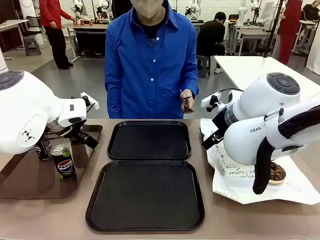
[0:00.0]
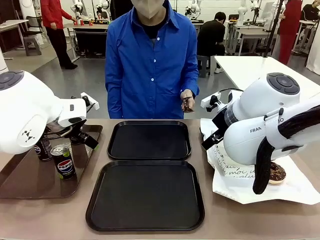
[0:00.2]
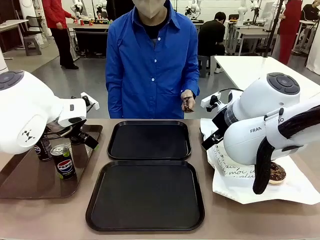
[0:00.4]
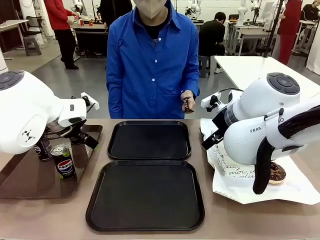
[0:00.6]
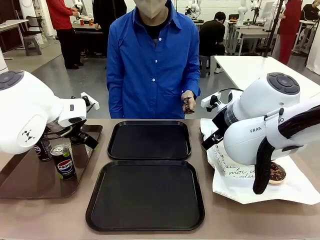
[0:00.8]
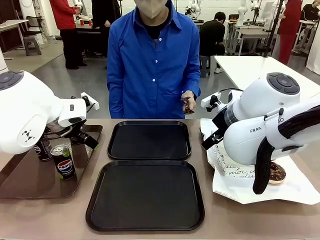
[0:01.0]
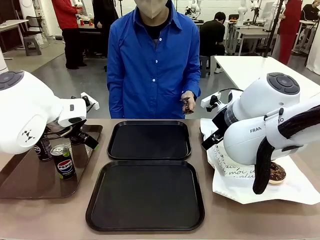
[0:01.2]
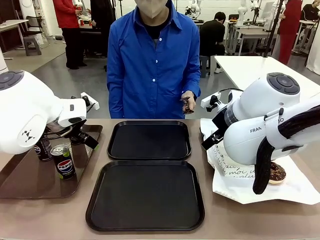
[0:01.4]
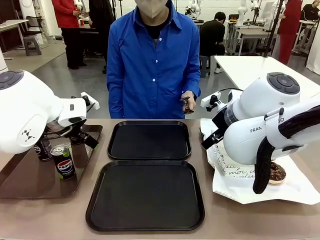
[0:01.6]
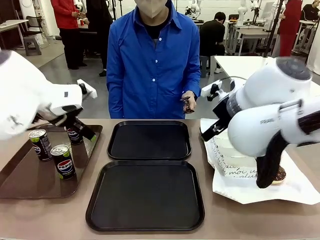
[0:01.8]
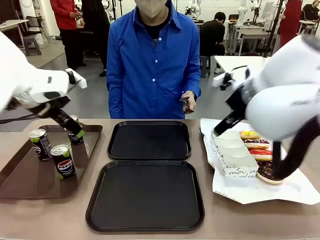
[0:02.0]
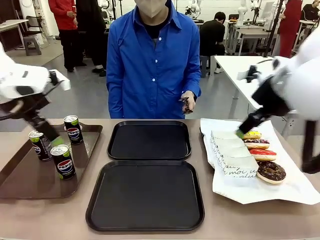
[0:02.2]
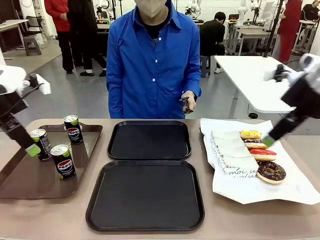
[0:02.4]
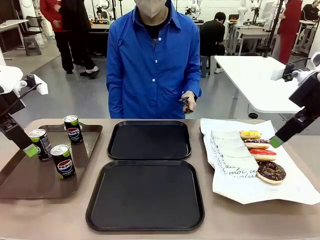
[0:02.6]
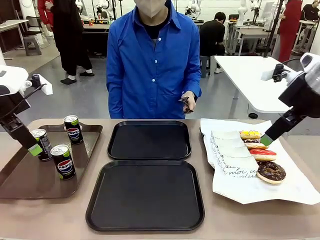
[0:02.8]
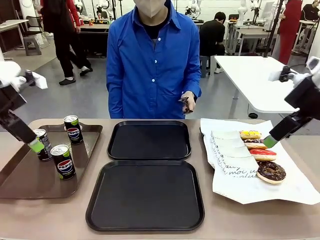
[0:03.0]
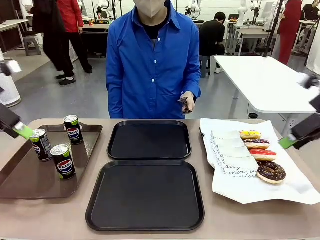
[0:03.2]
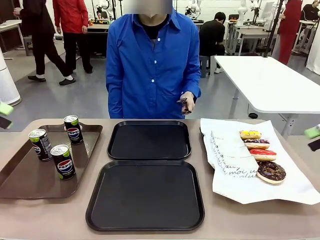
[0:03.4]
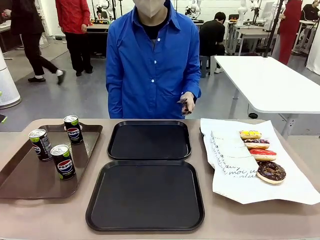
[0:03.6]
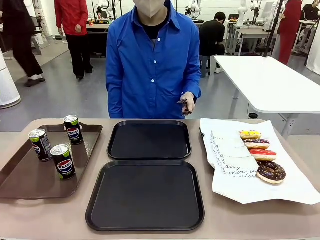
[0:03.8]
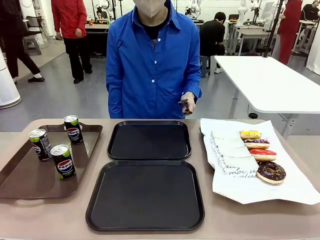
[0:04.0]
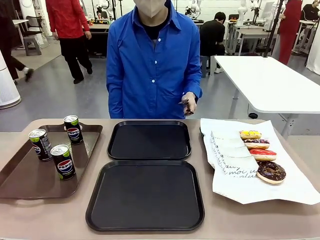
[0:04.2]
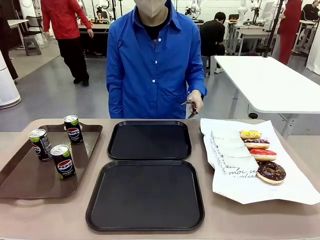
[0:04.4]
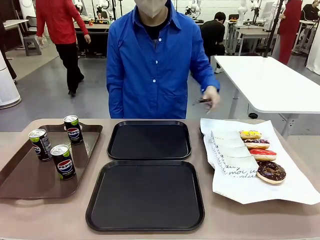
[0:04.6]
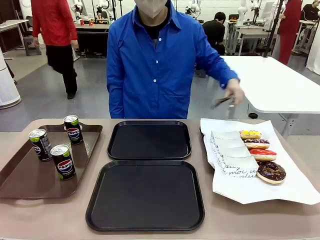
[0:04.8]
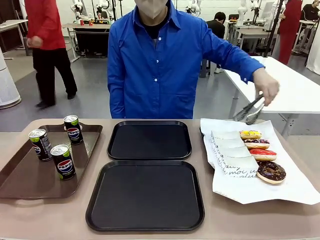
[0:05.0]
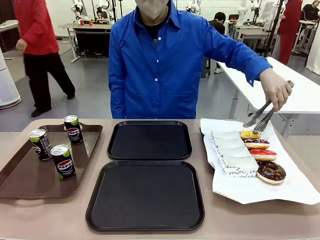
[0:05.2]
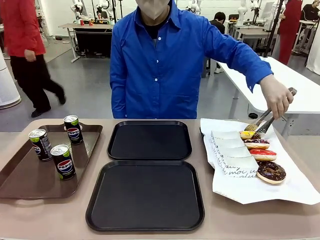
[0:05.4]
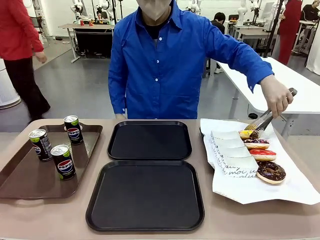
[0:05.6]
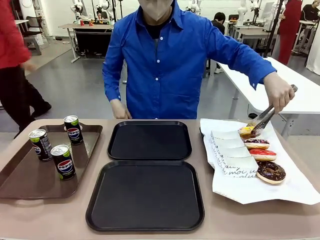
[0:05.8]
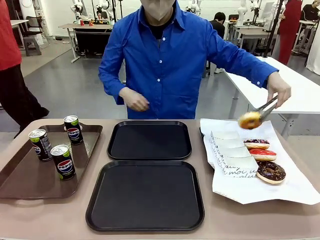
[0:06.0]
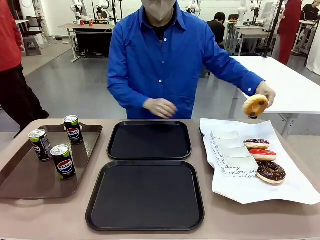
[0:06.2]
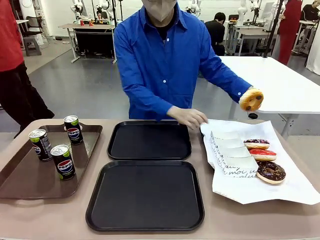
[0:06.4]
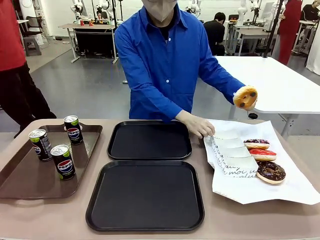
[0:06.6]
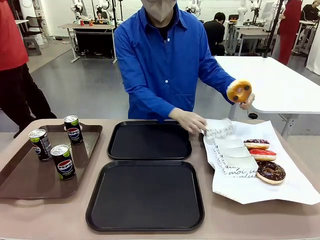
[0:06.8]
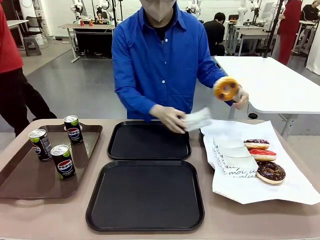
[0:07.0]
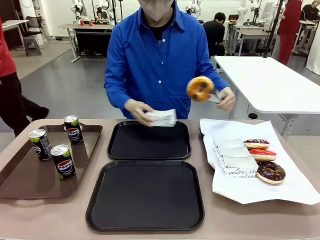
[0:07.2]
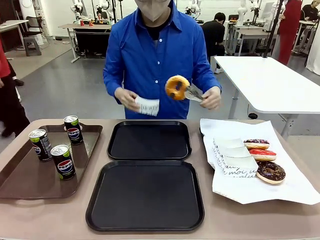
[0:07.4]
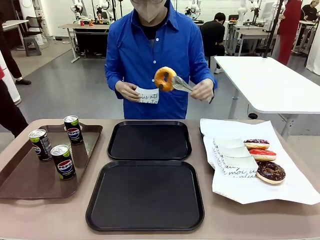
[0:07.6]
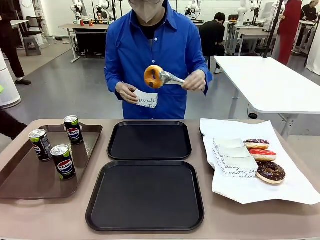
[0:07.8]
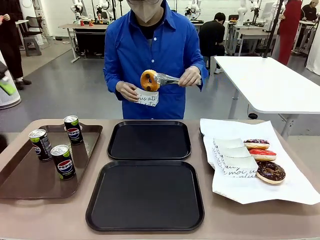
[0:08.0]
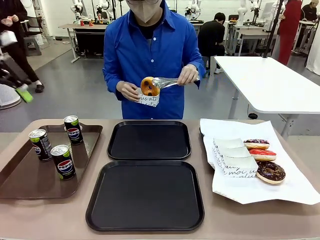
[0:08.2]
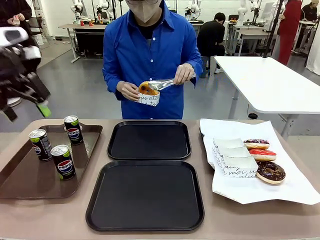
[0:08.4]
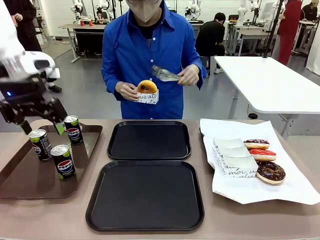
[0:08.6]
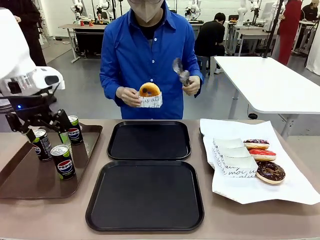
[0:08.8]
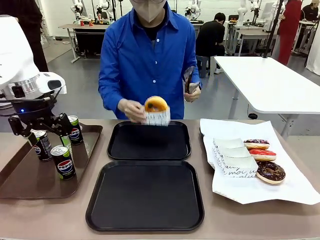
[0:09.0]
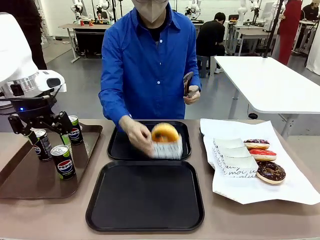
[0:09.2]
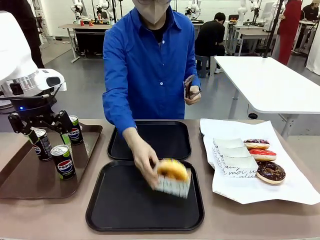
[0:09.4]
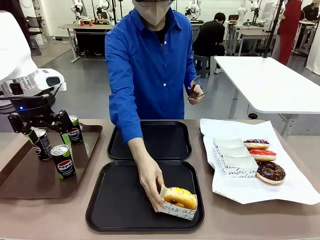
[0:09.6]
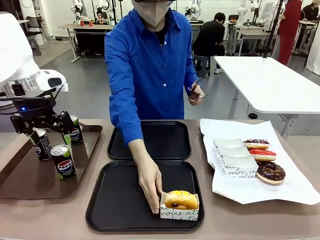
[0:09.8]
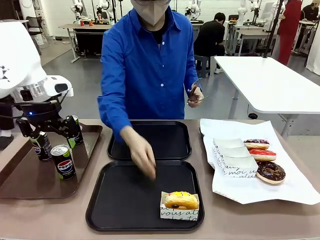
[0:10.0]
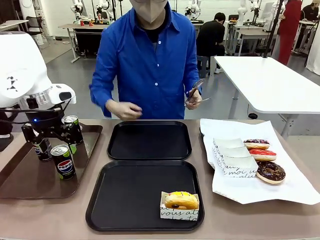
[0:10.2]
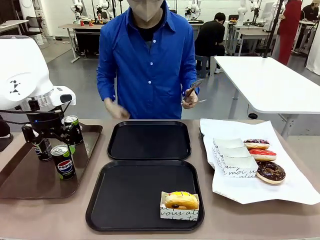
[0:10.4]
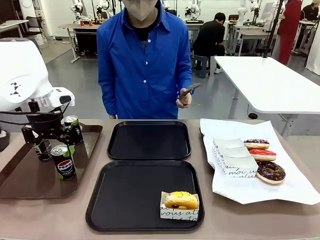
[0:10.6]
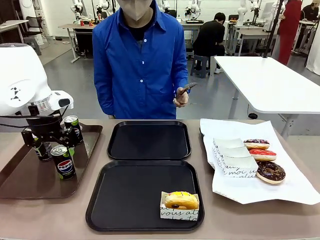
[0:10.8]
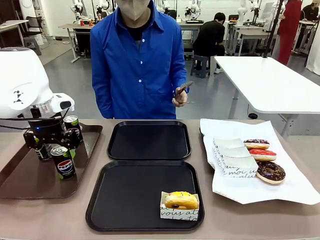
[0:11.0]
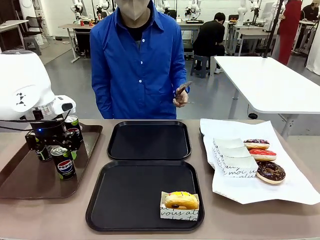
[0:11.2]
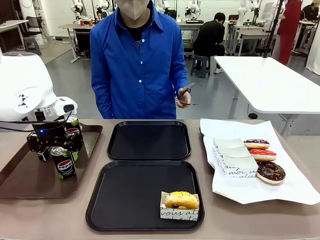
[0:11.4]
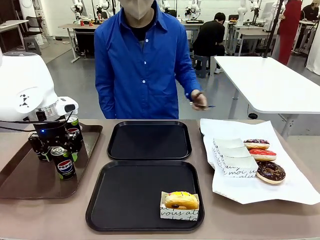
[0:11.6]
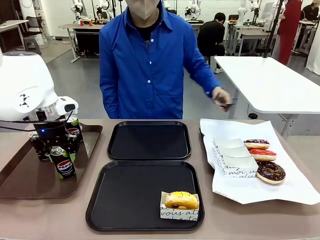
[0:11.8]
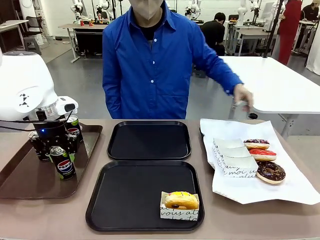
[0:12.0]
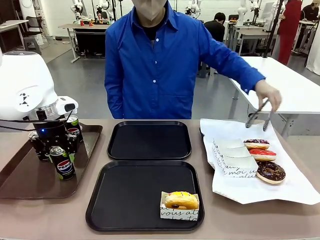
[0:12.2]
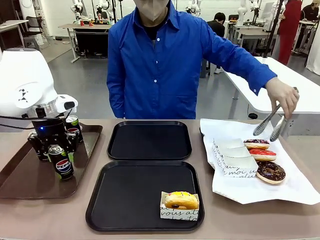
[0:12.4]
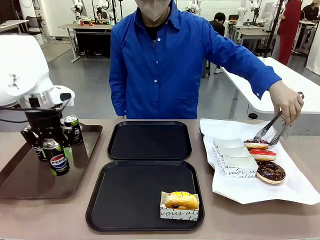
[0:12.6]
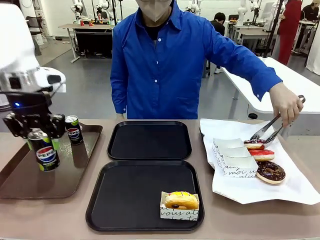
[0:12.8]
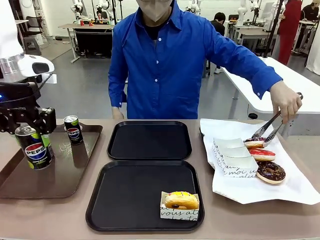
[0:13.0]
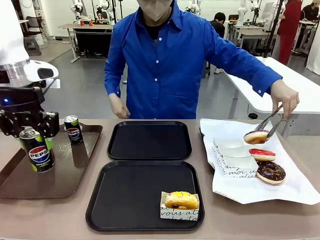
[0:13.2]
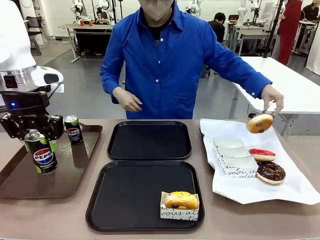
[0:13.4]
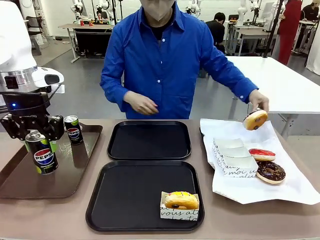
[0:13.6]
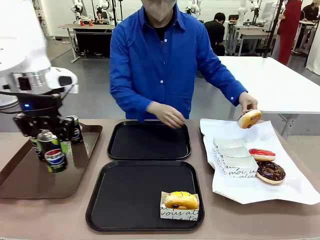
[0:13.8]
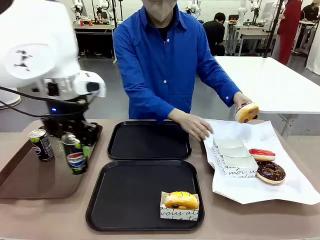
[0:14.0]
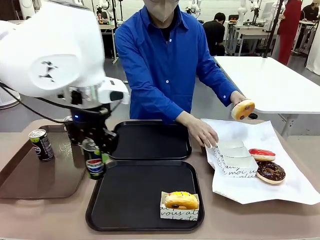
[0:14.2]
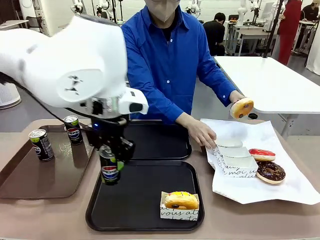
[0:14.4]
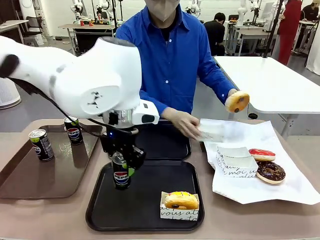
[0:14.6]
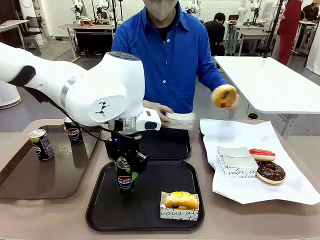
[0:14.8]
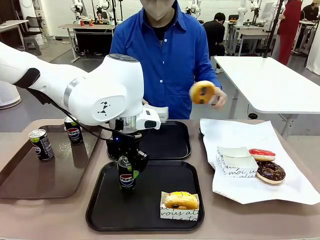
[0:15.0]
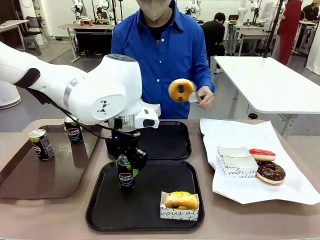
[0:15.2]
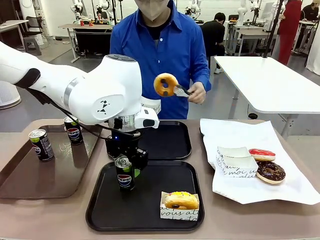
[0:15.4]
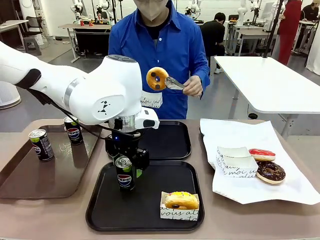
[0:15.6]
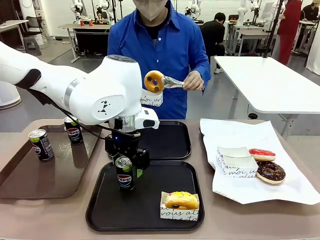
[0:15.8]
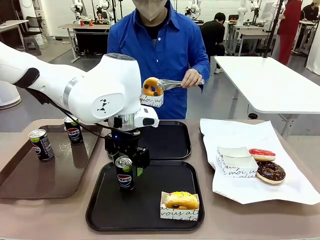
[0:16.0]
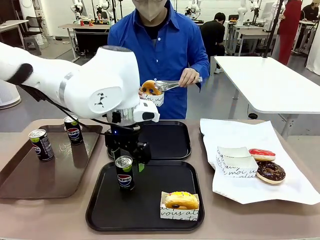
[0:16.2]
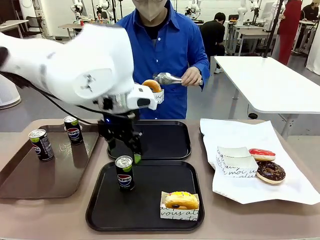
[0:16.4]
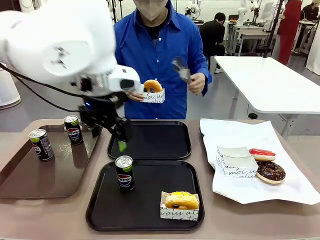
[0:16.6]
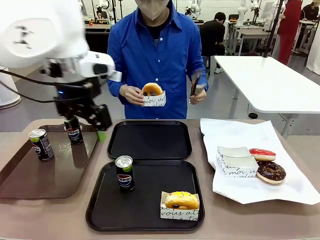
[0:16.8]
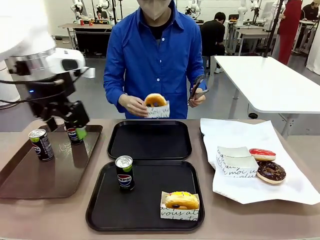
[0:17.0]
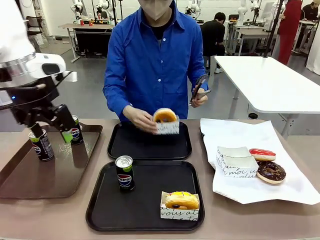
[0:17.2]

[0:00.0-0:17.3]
Task: Set up donuts and drinks on trays.
Robot: Pick up one Pepsi coke and place it on the Flat Tray.
